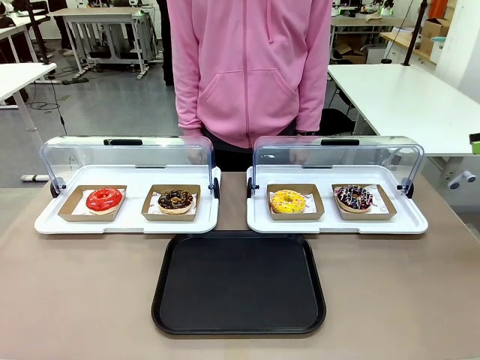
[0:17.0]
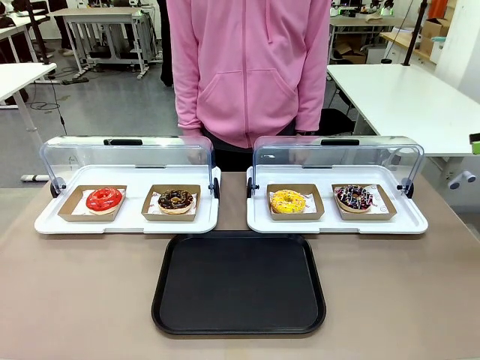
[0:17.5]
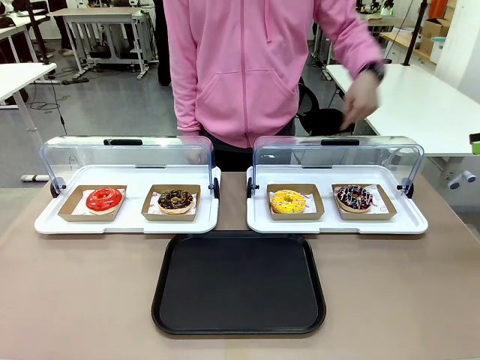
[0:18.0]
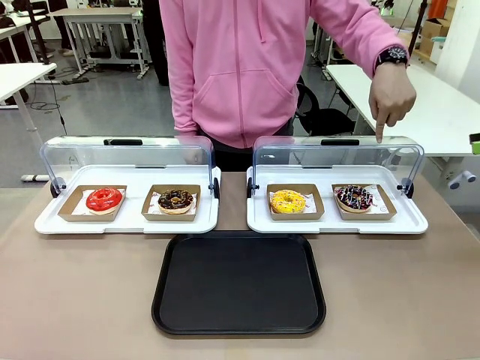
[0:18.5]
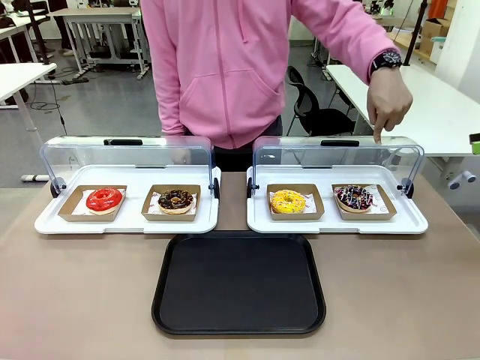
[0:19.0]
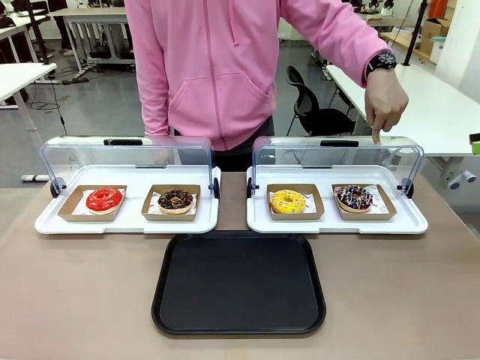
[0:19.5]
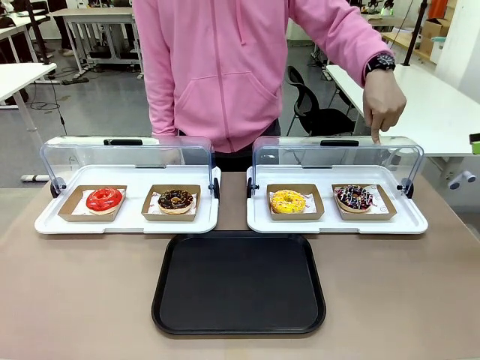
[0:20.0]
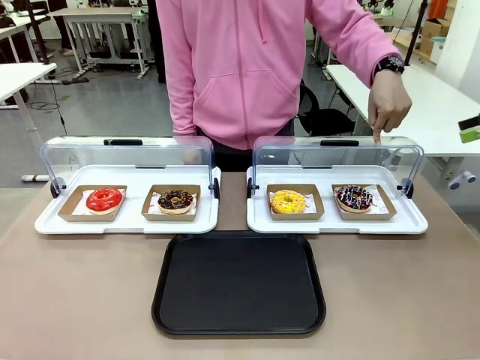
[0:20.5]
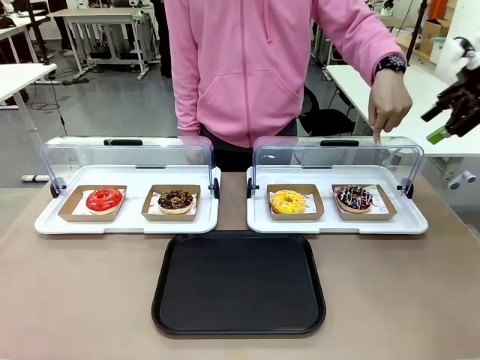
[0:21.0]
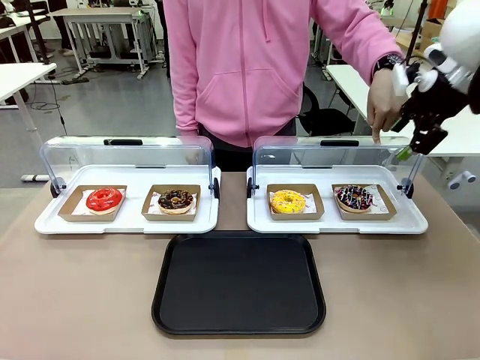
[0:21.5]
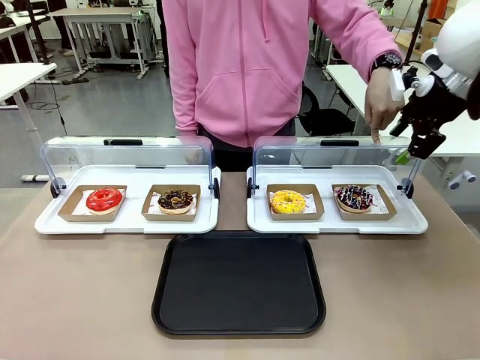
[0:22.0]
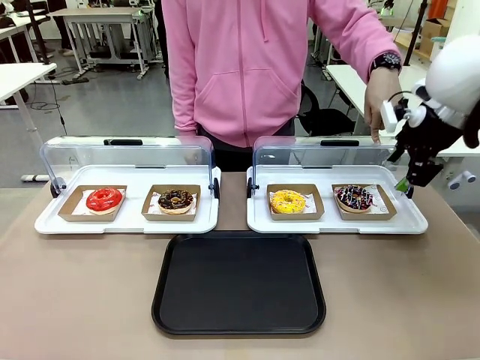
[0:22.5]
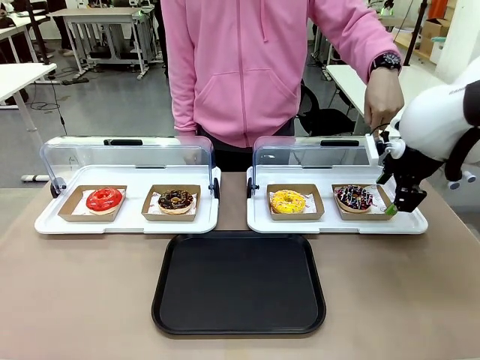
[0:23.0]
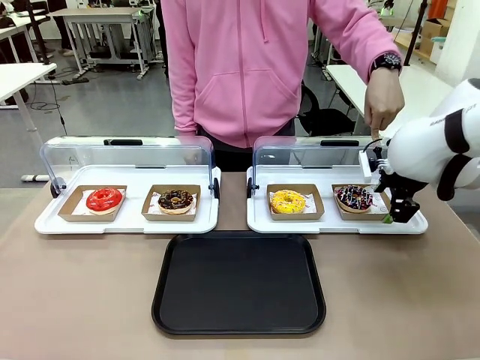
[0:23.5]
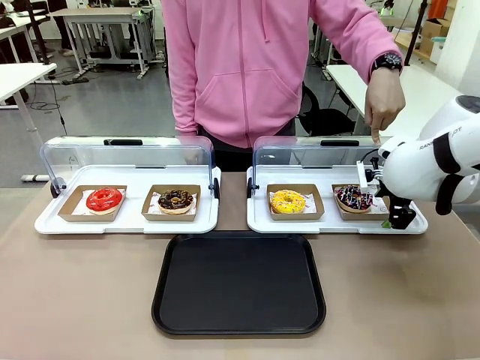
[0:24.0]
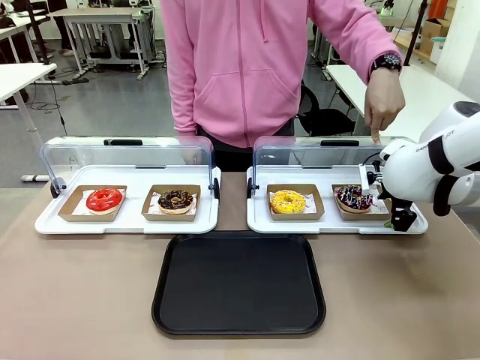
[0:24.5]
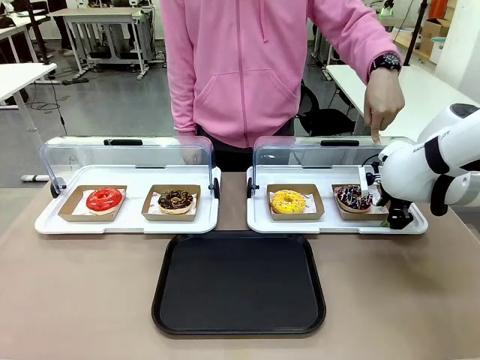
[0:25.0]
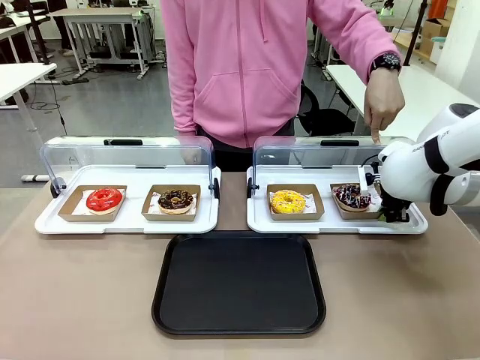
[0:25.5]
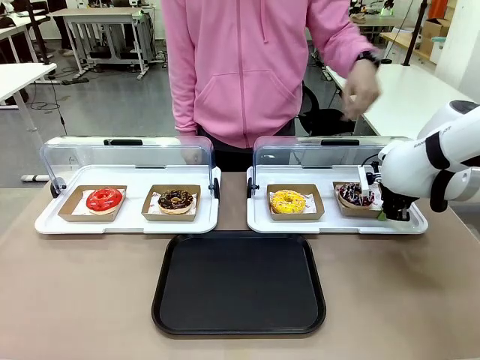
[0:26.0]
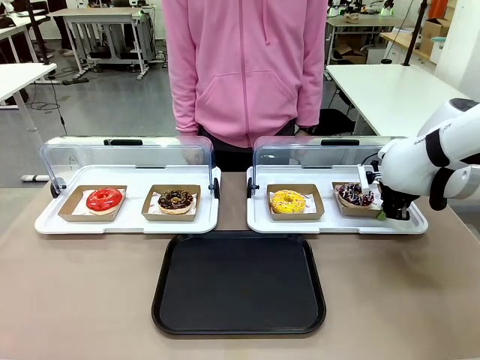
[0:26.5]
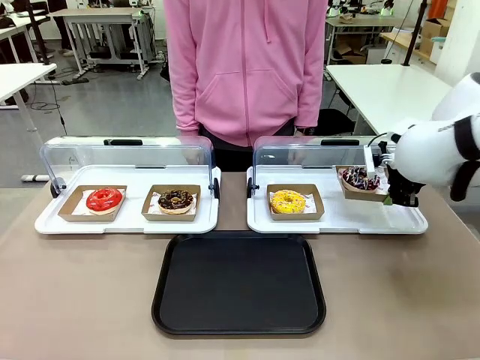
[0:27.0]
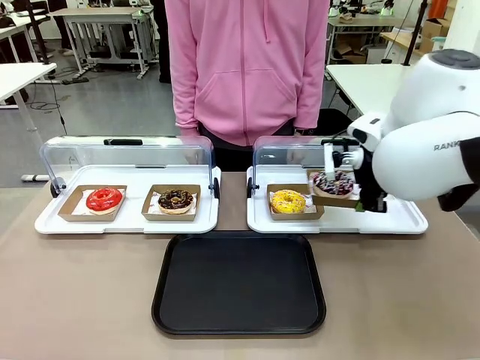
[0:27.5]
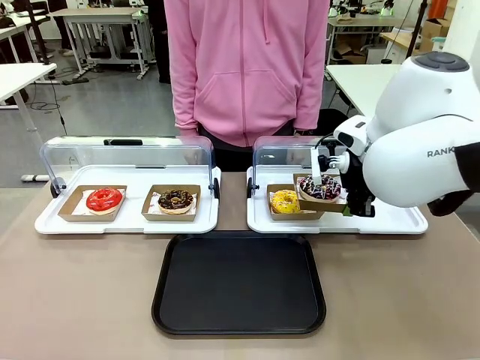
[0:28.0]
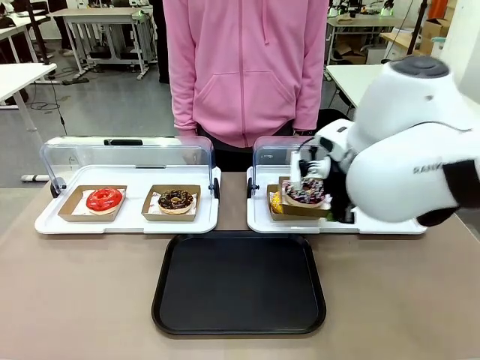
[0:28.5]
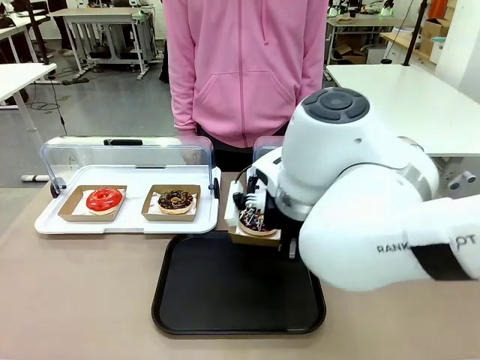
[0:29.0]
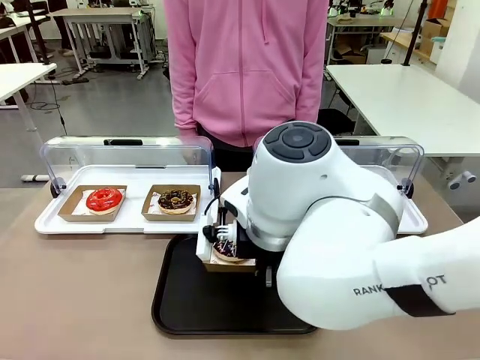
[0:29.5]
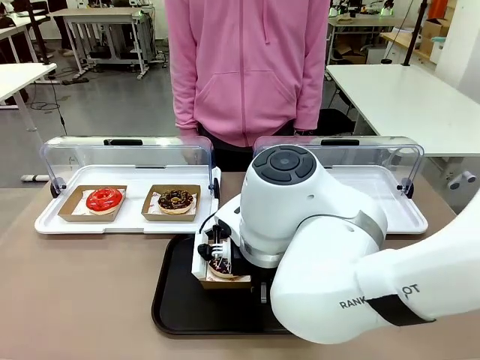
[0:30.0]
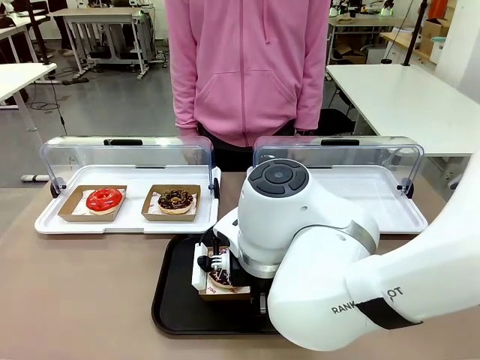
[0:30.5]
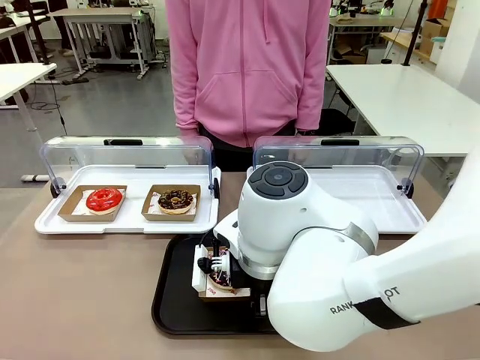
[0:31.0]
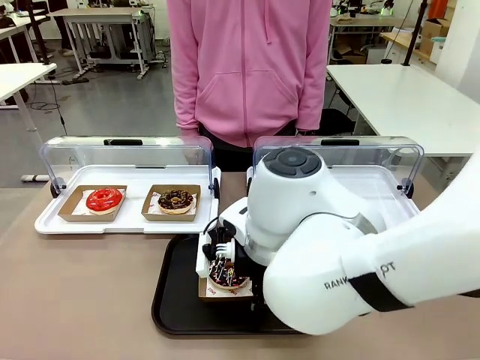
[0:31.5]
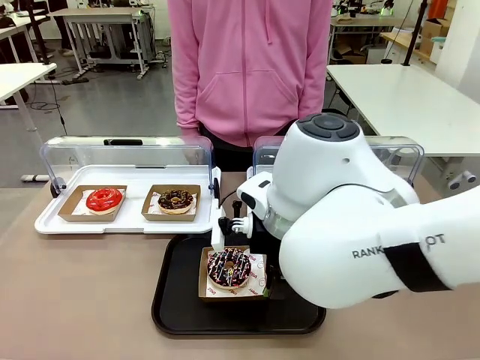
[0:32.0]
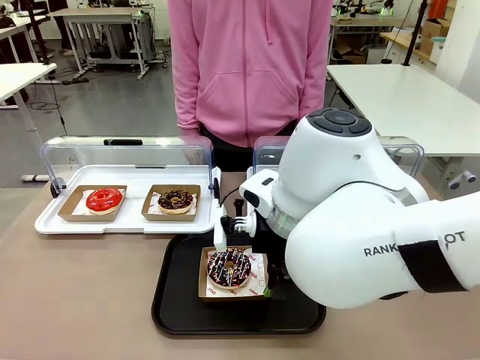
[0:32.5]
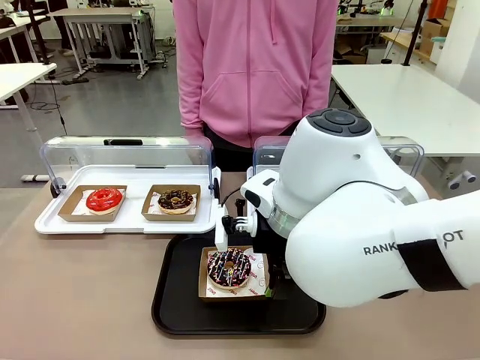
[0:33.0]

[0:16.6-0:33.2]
Task: Move the fourth donut from the left to the tray.
Robot: Pick up the Paper togo box containing the Donut indicated by the person and place it on the Handle tray.

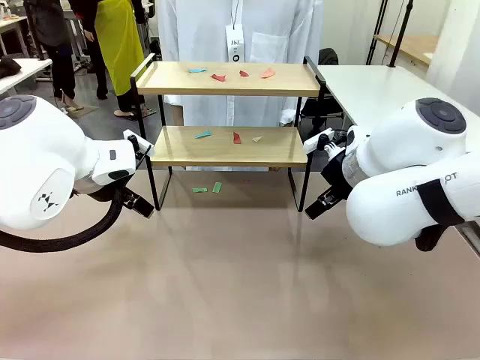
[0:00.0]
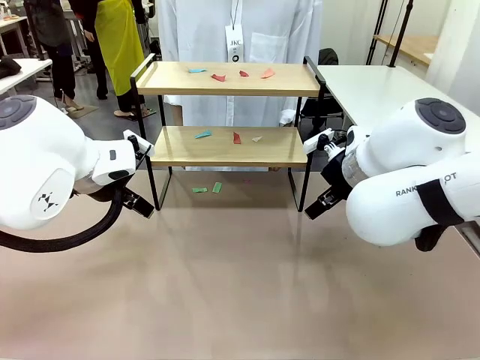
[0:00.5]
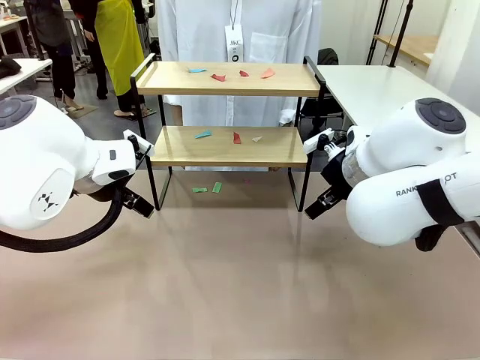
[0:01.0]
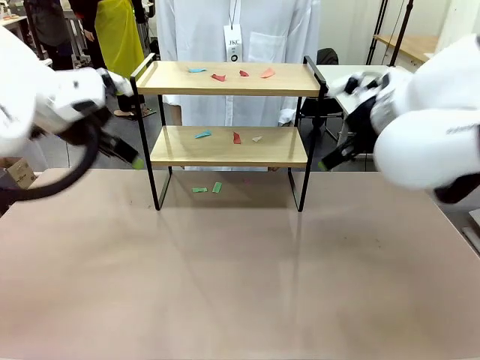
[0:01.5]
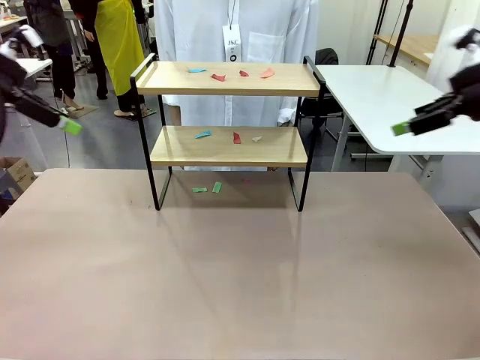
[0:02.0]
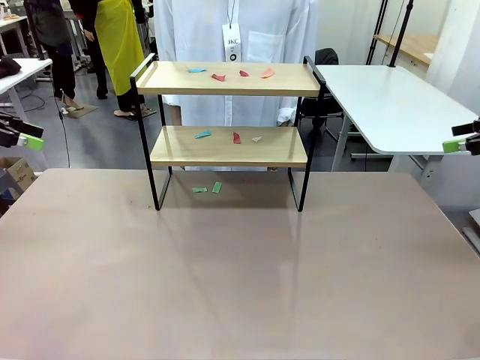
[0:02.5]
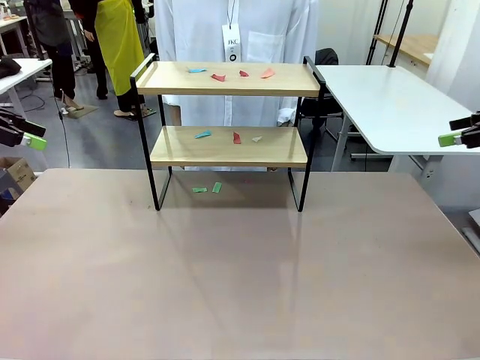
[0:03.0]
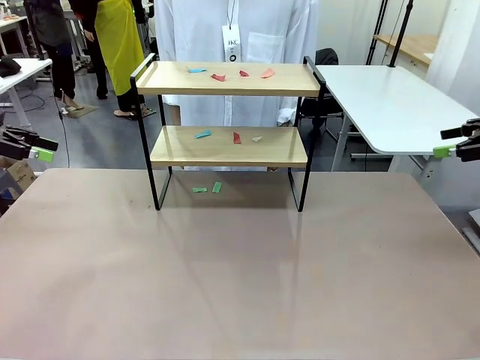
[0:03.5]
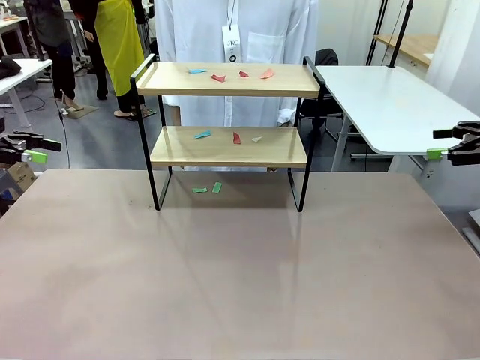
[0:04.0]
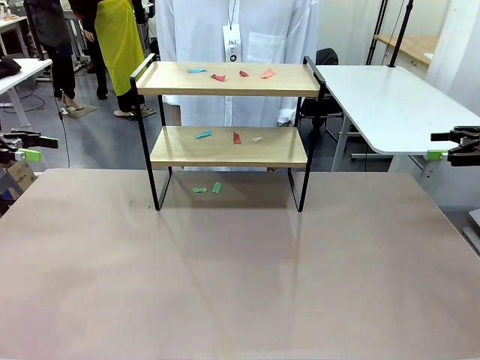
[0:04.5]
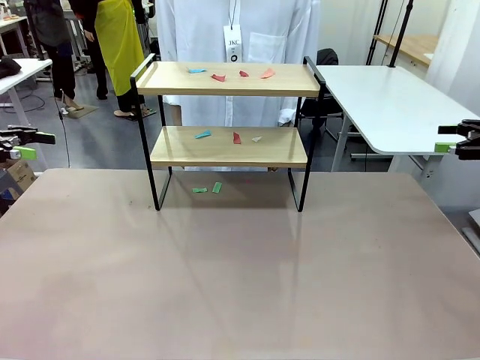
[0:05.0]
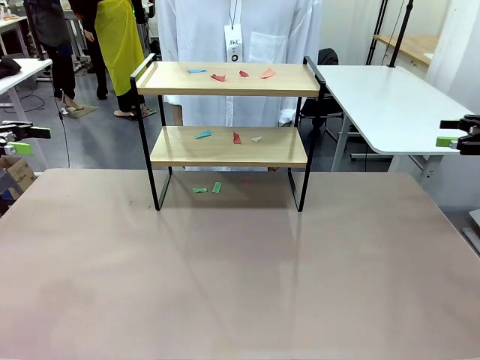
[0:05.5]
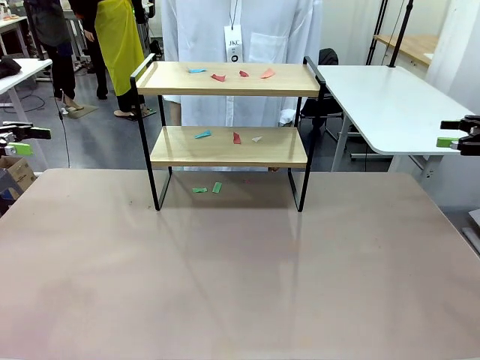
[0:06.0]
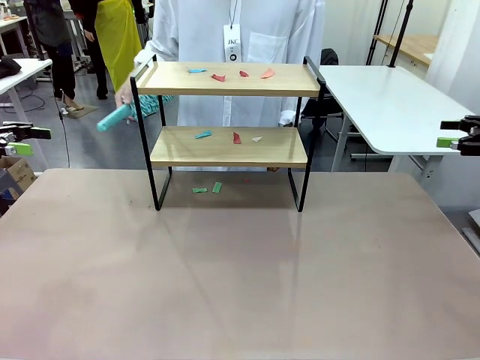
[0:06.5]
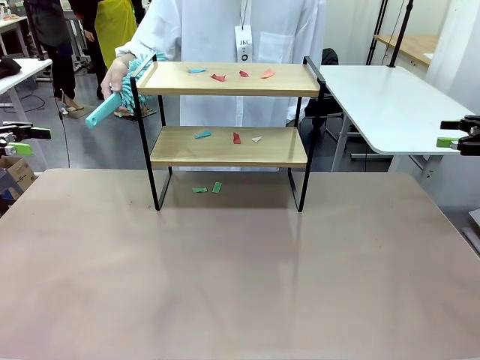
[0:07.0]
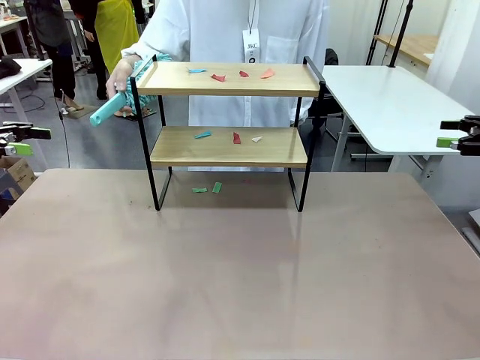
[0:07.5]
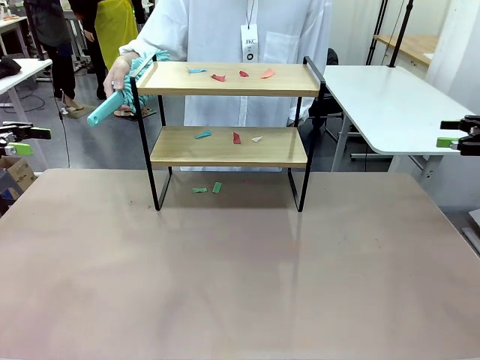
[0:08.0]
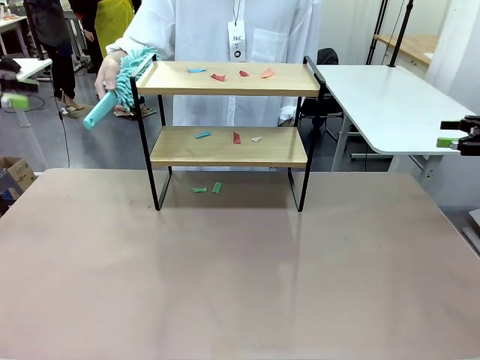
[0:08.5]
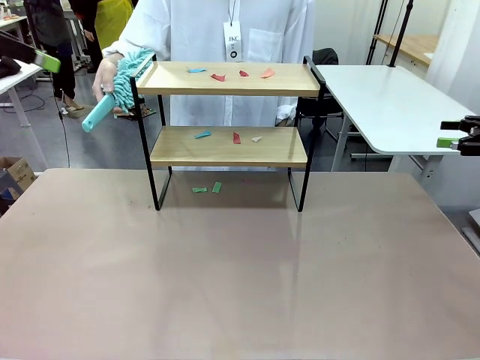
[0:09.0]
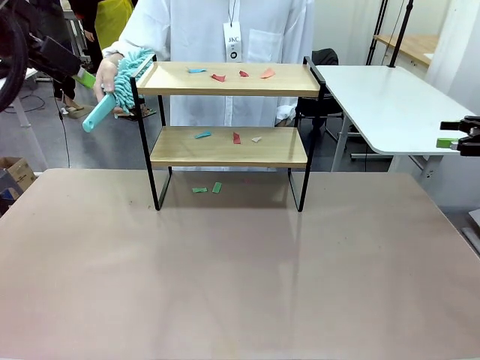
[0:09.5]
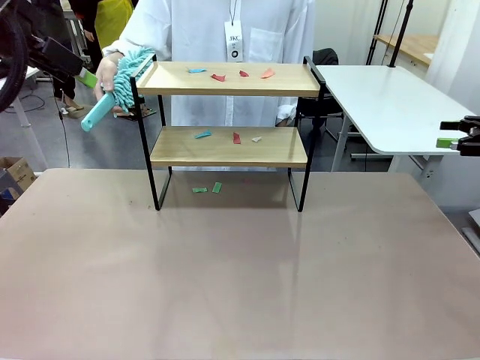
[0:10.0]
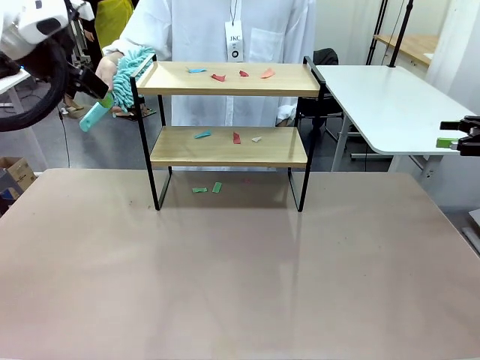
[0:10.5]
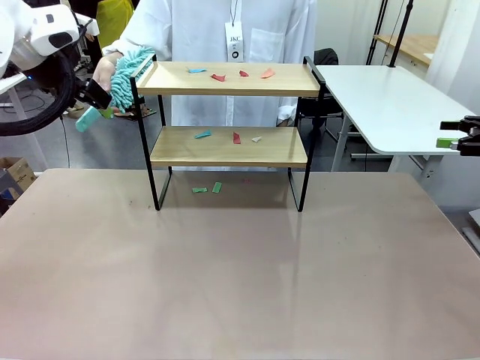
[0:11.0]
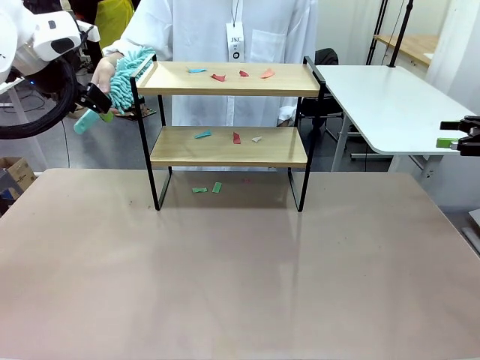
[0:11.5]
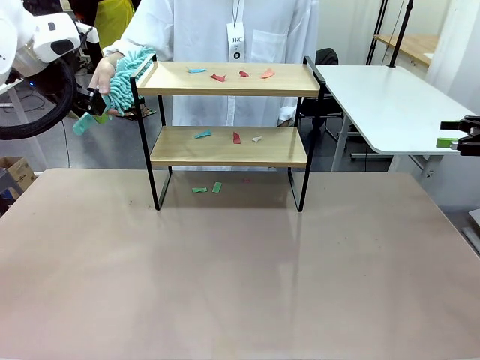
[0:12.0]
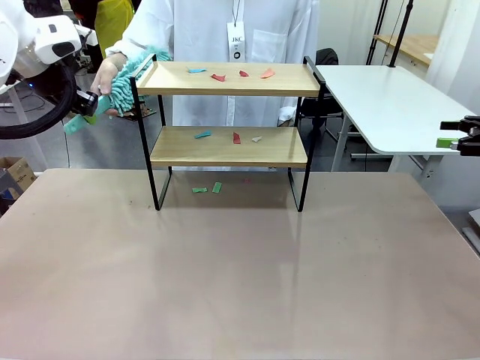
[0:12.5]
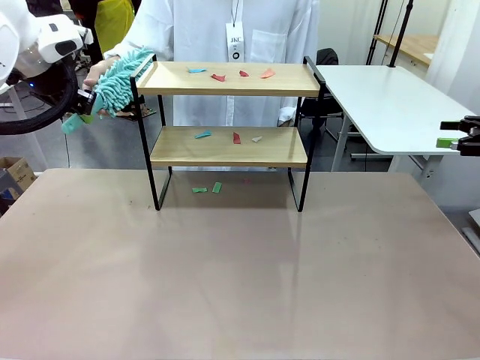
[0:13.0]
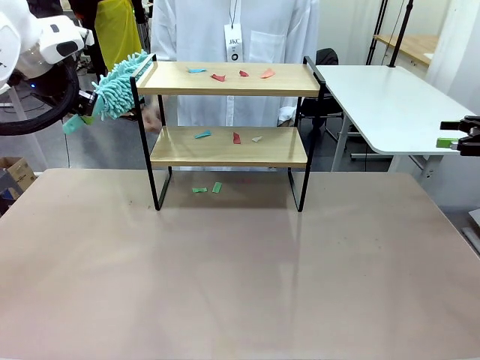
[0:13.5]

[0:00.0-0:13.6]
Task: Clean the shelf.
Robot: Pick up the Duster handed by the human.
Person: Hand the Duster to the robot.
